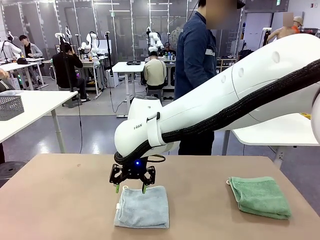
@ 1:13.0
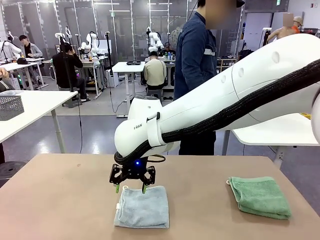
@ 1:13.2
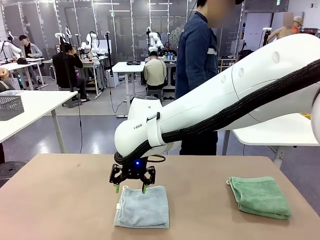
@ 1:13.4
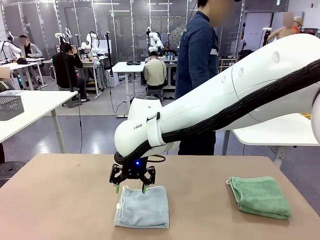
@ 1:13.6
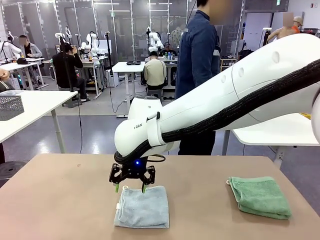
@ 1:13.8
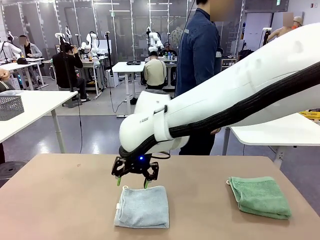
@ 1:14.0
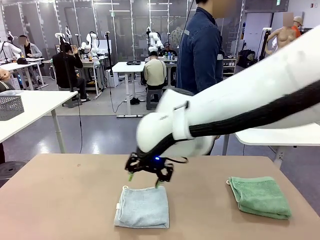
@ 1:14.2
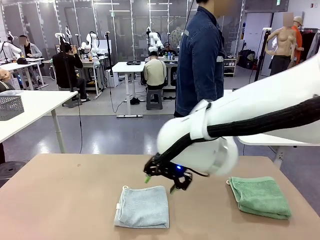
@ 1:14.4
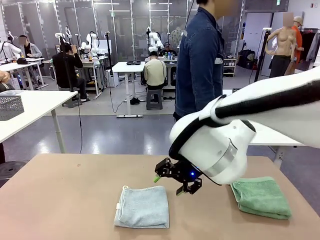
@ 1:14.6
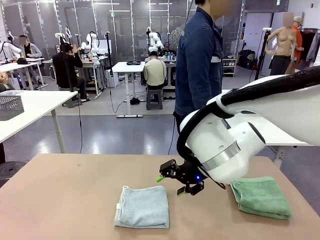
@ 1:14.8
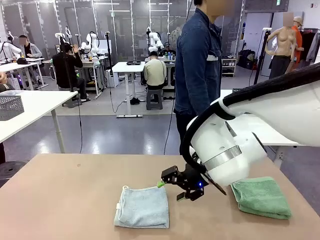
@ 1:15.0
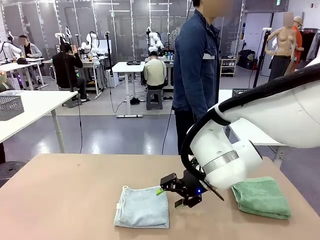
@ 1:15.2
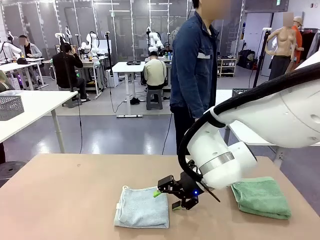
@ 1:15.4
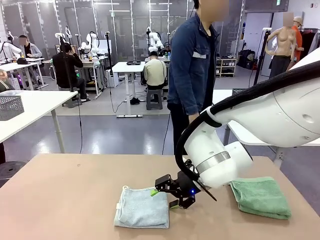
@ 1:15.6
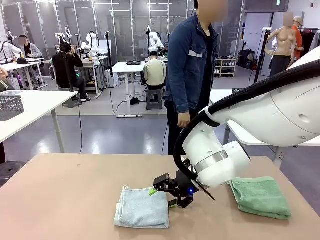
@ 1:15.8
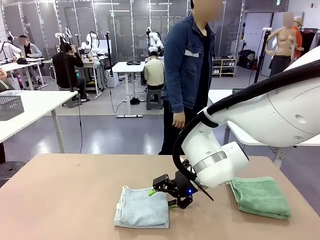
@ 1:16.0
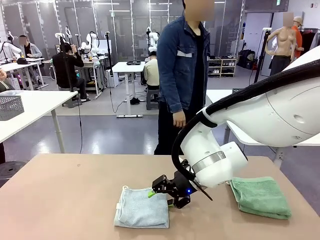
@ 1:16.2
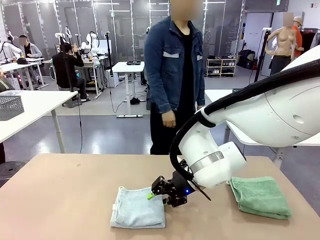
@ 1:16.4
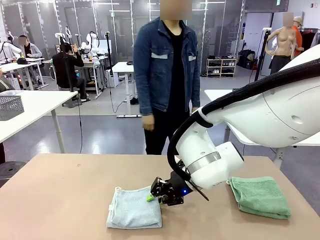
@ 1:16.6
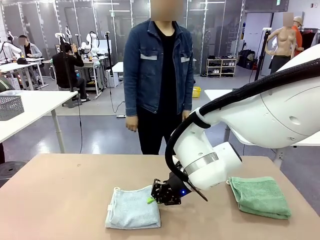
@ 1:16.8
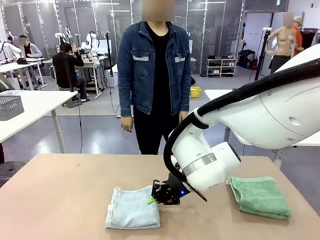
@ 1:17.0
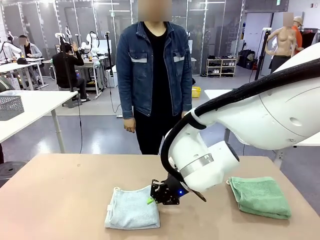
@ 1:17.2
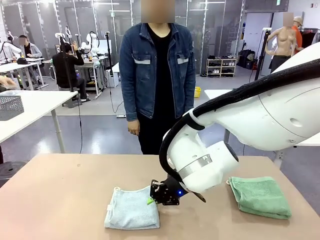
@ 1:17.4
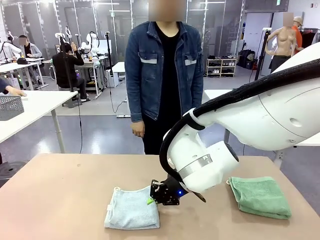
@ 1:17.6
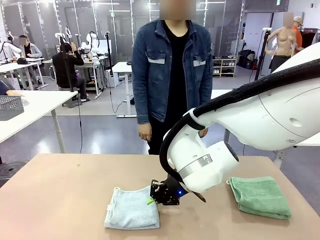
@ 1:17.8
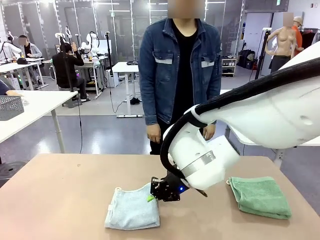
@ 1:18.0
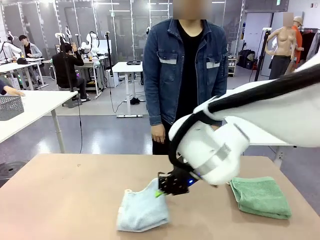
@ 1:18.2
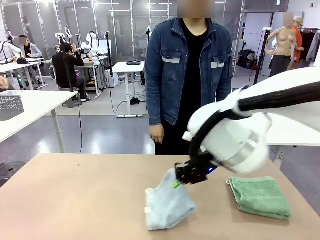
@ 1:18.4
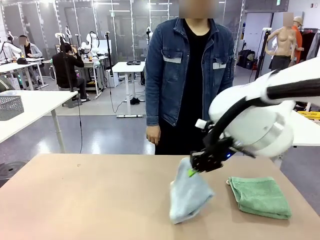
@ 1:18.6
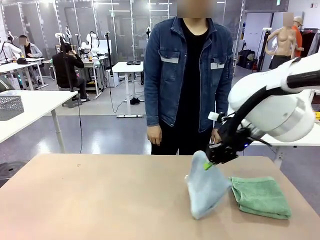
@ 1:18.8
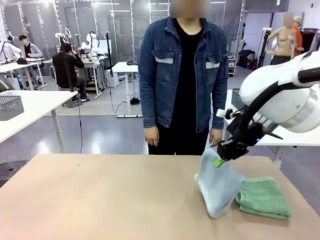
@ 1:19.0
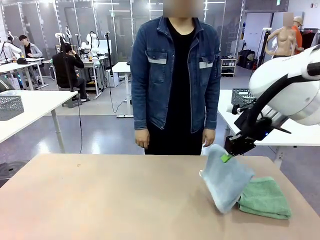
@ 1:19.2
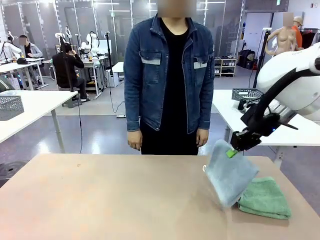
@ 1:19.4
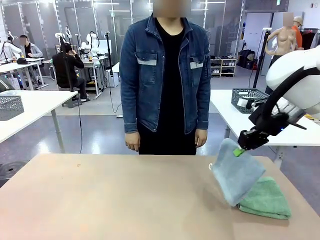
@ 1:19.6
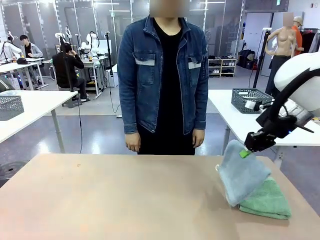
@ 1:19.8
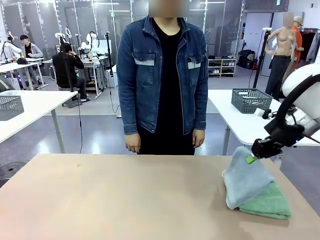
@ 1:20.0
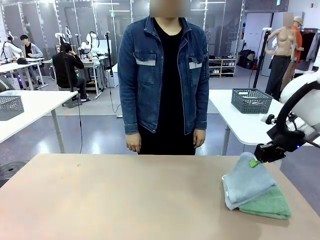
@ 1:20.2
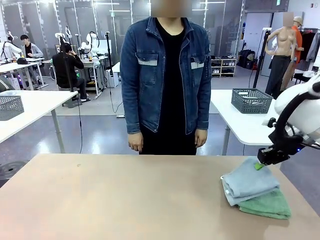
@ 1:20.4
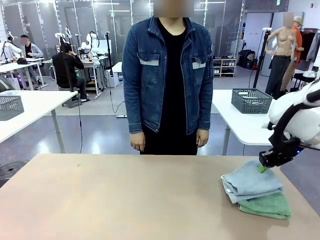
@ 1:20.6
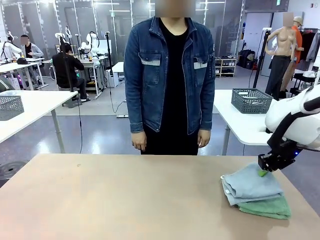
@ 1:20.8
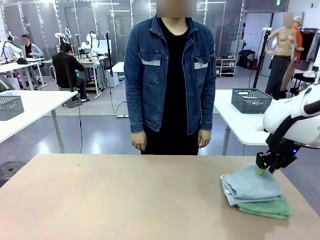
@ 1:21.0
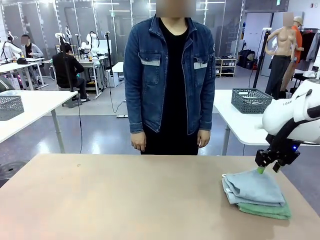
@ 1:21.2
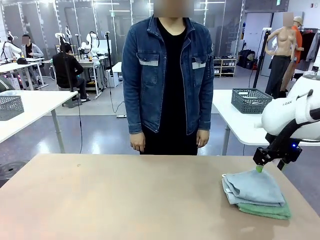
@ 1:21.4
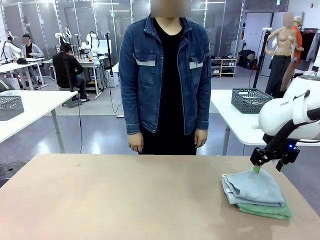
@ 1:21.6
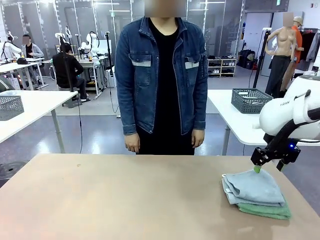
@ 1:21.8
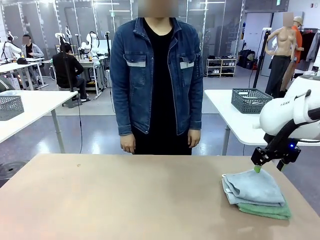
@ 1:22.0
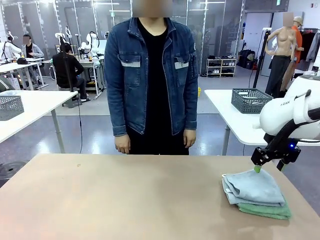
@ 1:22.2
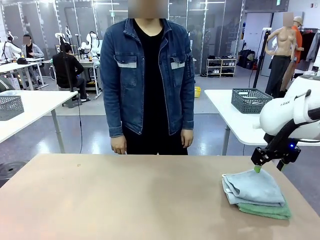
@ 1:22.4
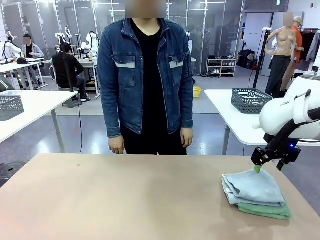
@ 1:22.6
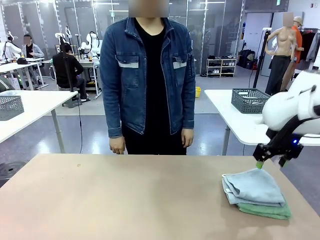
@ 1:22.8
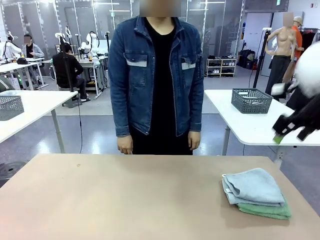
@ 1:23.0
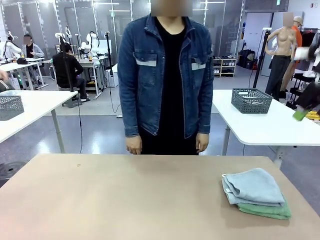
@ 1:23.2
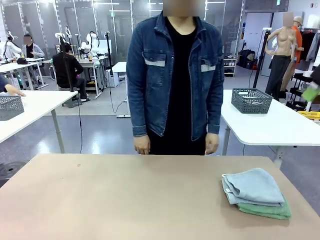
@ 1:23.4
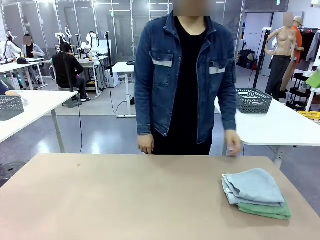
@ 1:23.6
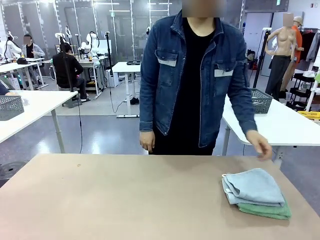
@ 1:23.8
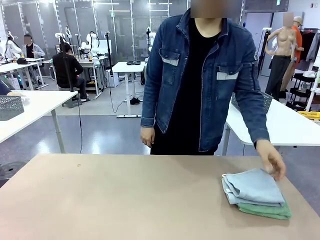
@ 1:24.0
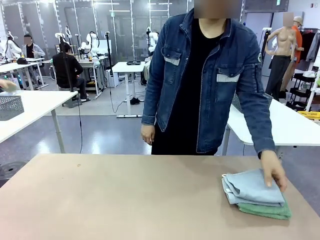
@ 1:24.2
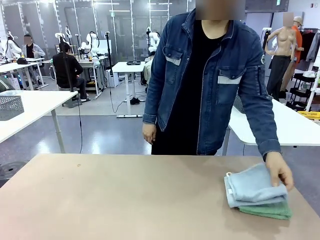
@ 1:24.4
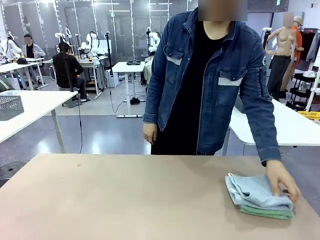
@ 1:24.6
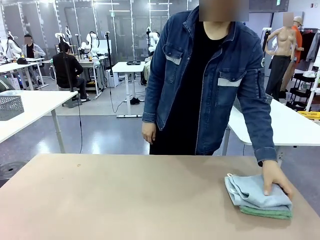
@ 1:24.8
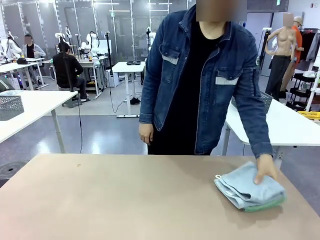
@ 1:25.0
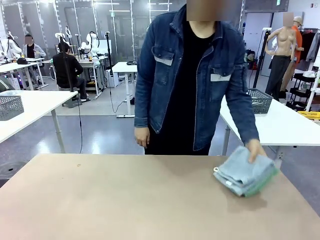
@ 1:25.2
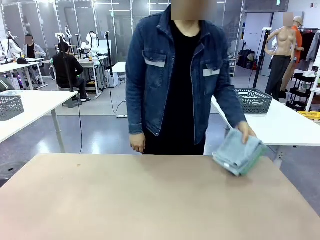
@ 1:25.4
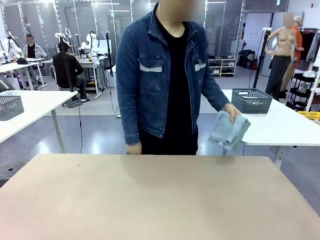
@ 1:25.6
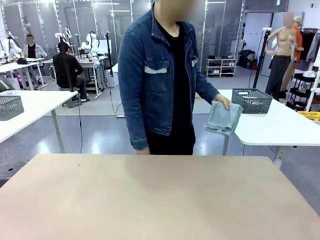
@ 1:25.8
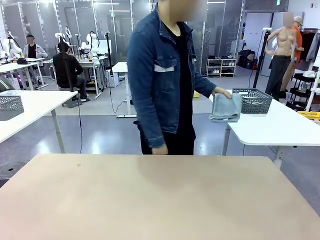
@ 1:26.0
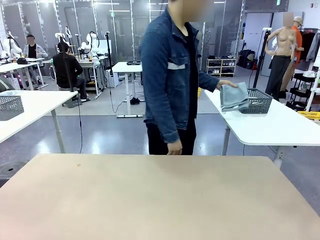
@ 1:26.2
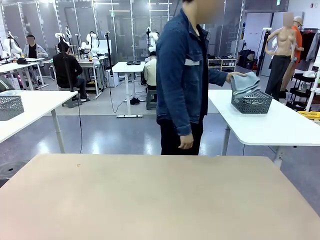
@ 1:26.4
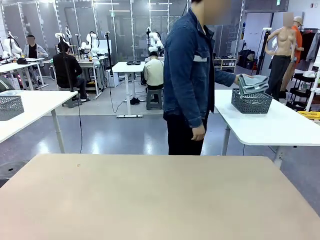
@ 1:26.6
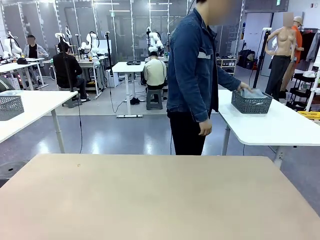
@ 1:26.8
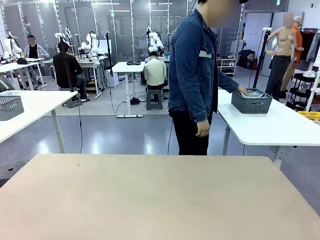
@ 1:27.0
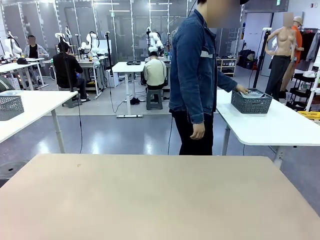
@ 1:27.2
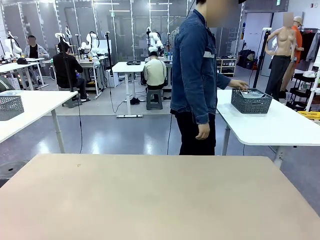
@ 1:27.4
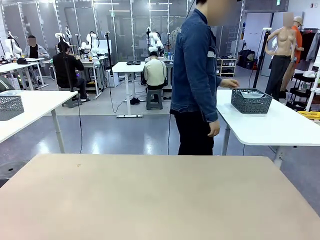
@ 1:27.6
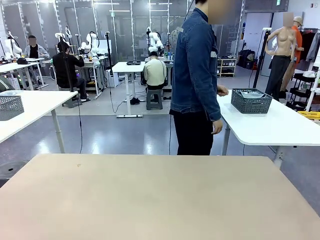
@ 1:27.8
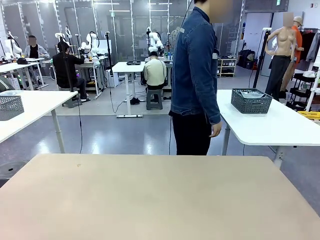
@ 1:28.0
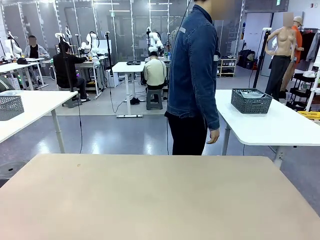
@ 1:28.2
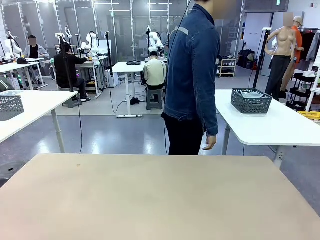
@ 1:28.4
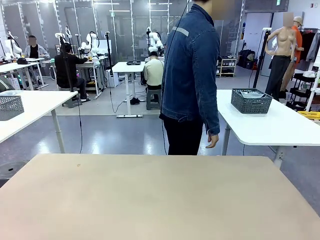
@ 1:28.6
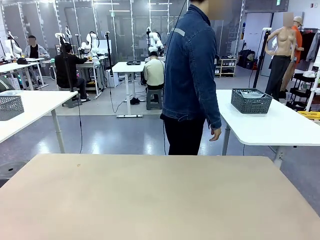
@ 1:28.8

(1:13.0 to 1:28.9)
Task: Fold the towels and place them in the basket.
Robot: Stack the folded Towel with hook on the right side of the table.
Person: Pick up the stack of towels from the robot table and place it into the basket.
